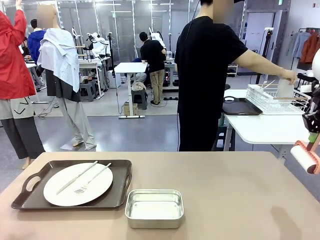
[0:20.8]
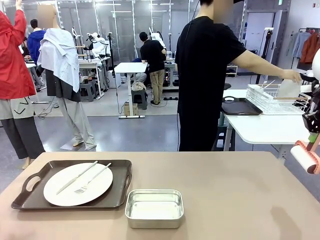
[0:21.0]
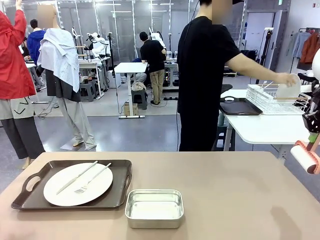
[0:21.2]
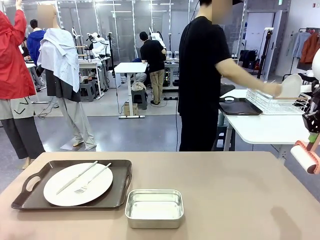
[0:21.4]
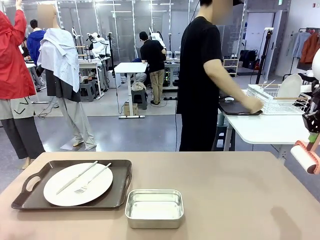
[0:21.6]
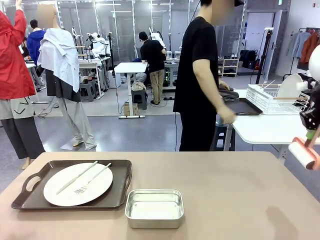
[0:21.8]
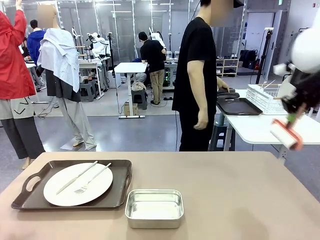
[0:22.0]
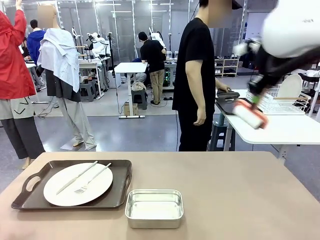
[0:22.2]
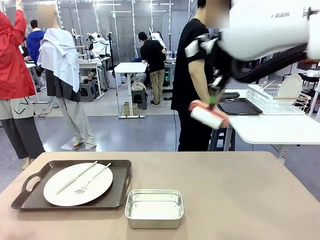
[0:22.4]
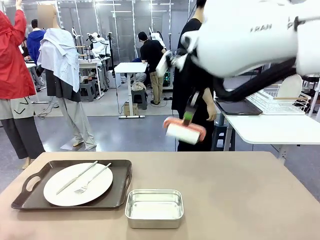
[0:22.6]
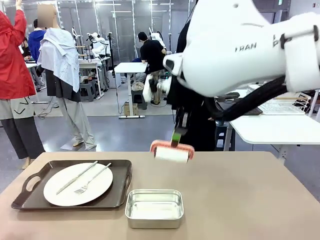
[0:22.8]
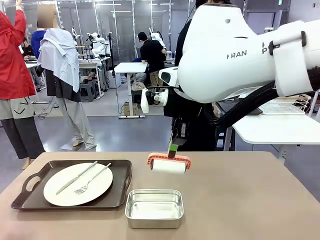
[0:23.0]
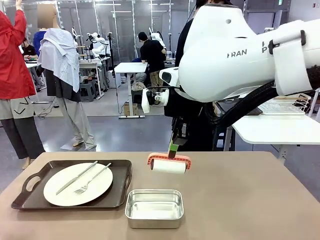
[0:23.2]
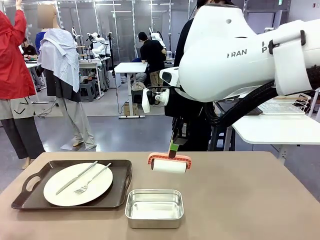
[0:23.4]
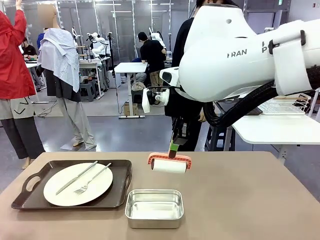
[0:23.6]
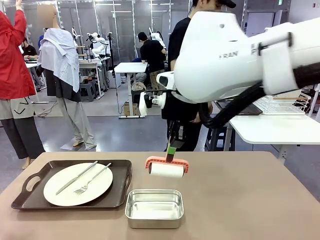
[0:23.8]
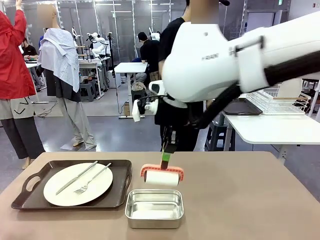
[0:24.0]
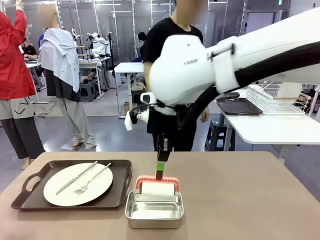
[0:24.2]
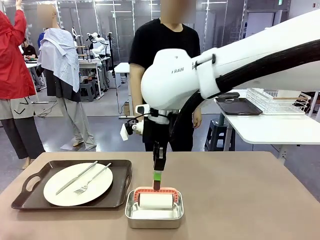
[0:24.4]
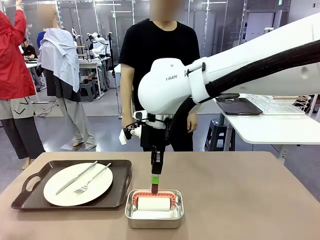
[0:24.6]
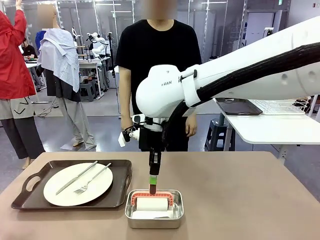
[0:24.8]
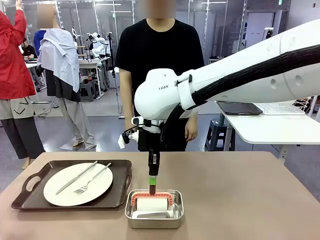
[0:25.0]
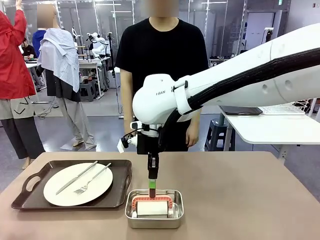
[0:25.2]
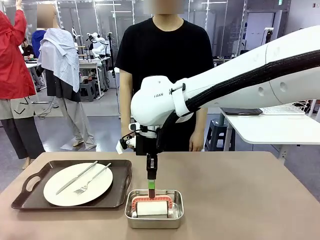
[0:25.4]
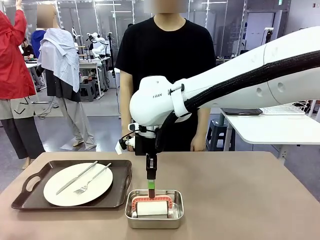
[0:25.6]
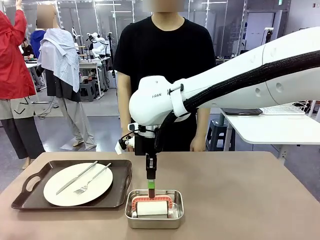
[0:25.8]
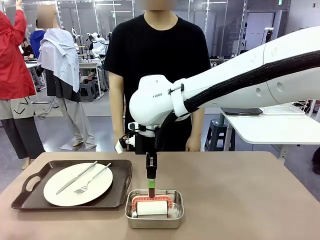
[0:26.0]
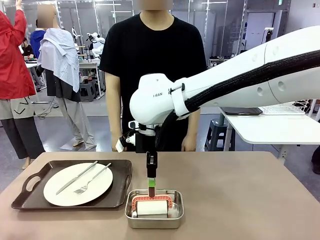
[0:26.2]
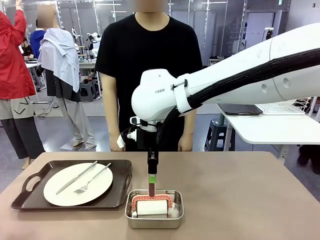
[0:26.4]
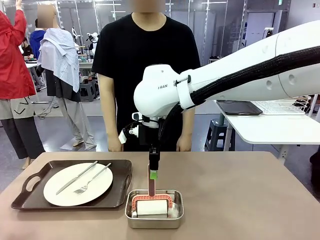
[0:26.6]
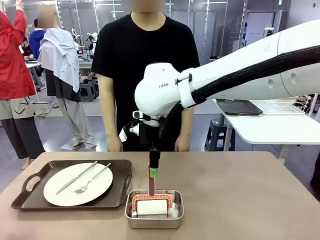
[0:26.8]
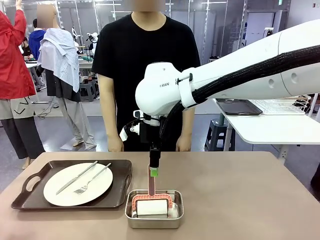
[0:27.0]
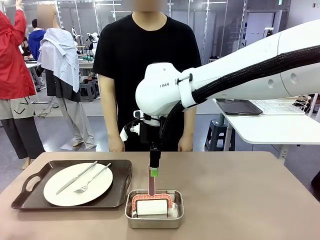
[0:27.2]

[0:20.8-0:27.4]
Robot: Place the Lint Roller back on top of the Airtight Container.

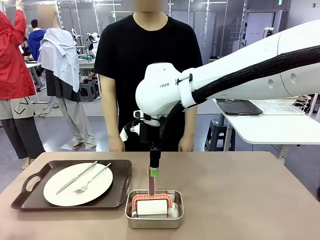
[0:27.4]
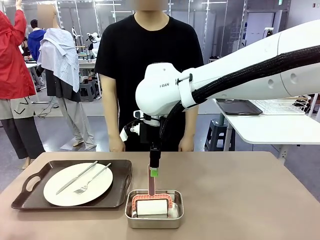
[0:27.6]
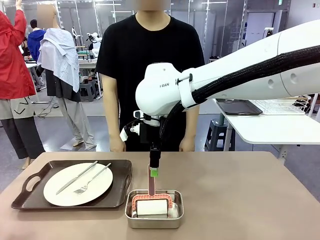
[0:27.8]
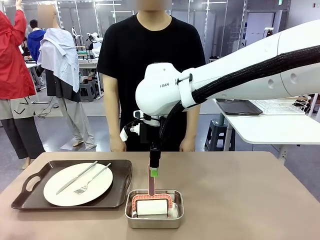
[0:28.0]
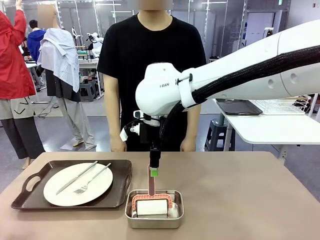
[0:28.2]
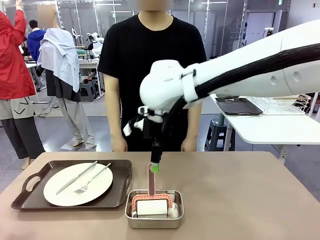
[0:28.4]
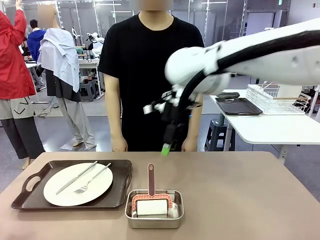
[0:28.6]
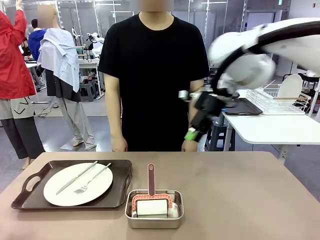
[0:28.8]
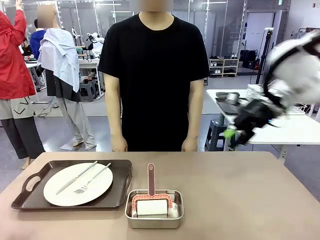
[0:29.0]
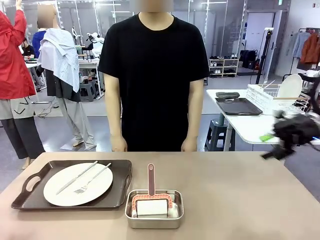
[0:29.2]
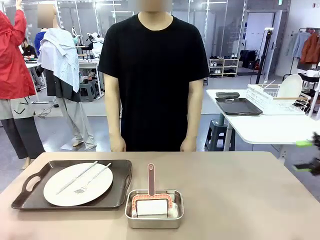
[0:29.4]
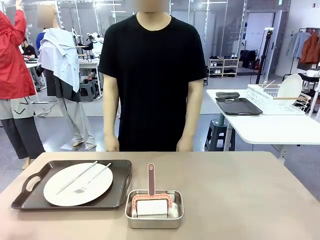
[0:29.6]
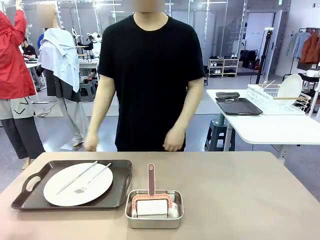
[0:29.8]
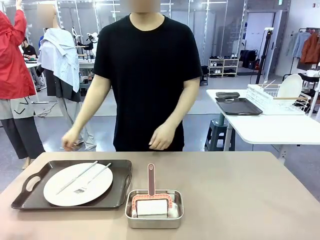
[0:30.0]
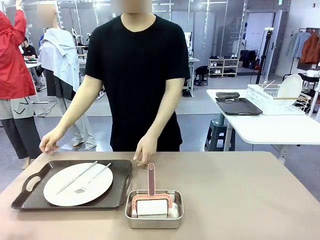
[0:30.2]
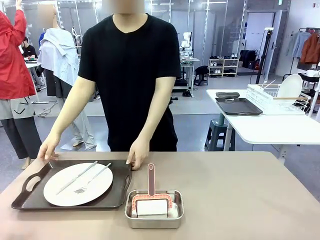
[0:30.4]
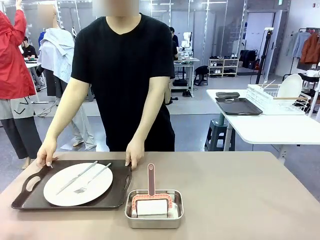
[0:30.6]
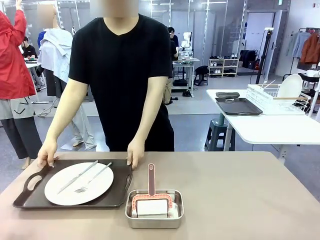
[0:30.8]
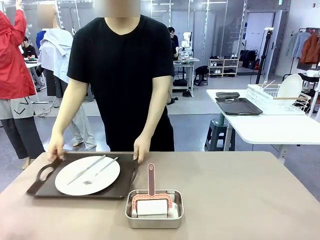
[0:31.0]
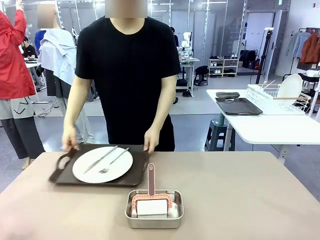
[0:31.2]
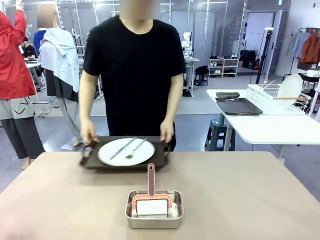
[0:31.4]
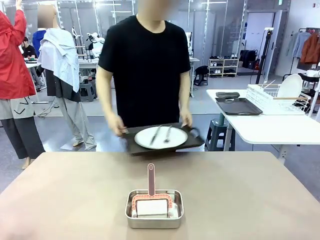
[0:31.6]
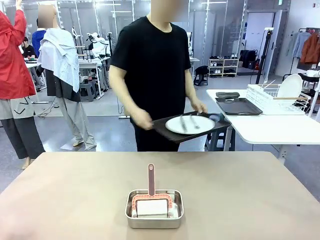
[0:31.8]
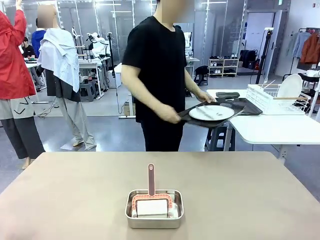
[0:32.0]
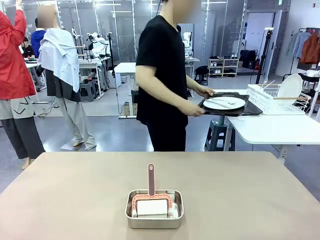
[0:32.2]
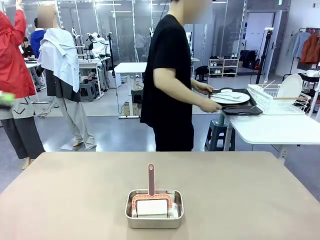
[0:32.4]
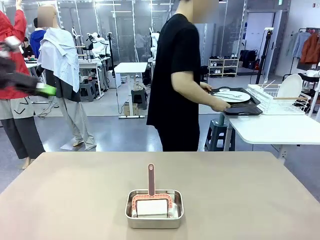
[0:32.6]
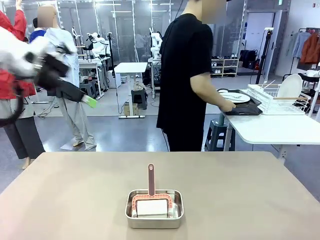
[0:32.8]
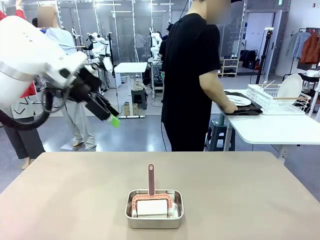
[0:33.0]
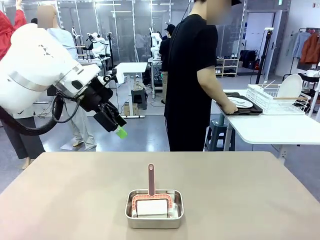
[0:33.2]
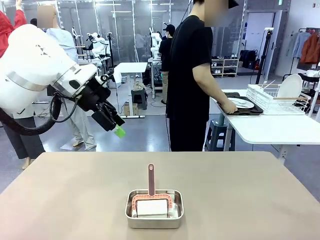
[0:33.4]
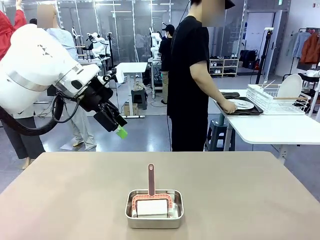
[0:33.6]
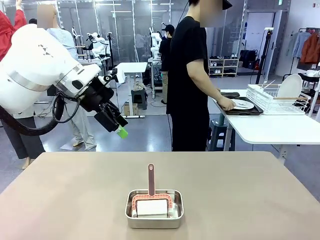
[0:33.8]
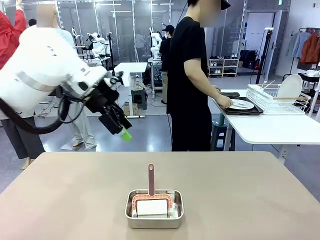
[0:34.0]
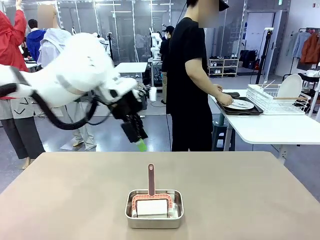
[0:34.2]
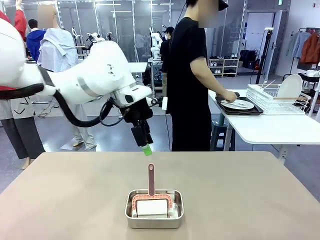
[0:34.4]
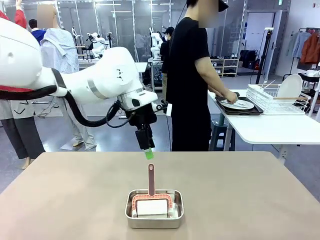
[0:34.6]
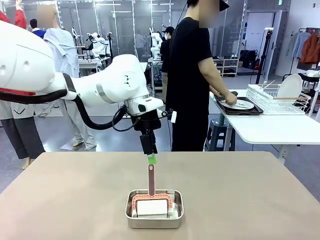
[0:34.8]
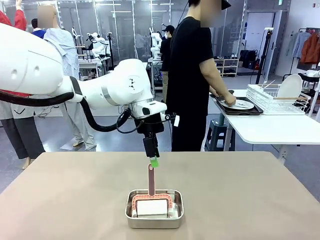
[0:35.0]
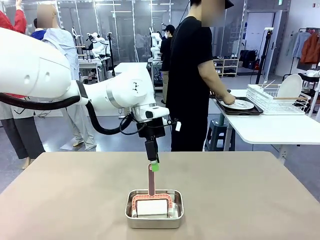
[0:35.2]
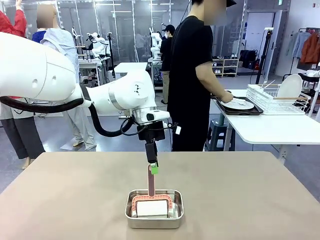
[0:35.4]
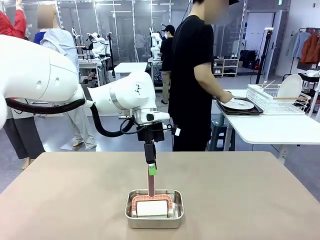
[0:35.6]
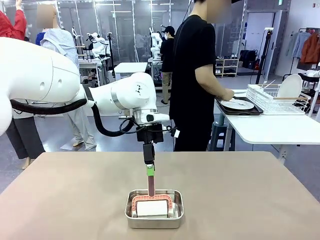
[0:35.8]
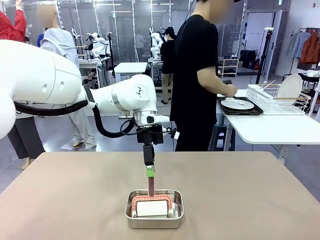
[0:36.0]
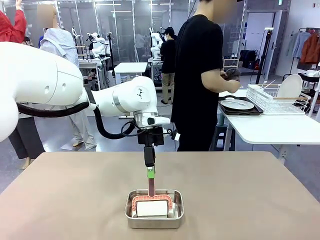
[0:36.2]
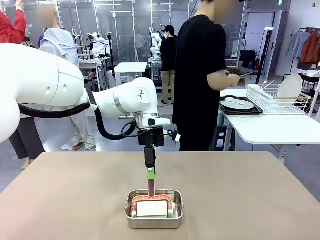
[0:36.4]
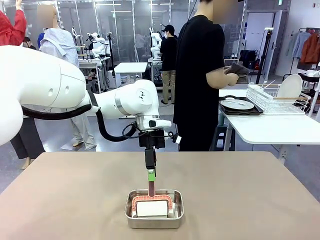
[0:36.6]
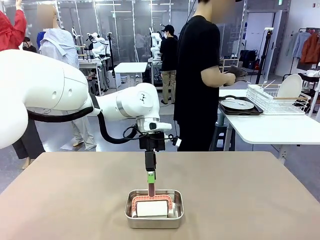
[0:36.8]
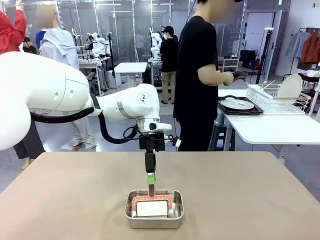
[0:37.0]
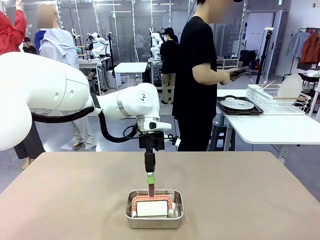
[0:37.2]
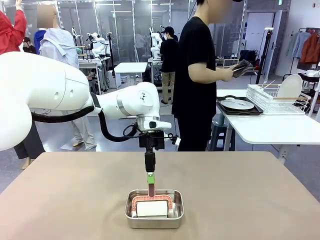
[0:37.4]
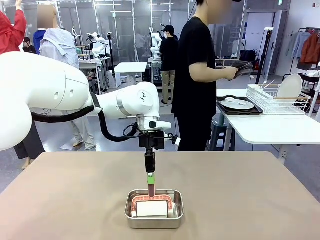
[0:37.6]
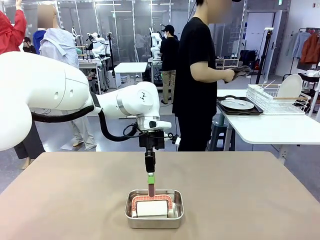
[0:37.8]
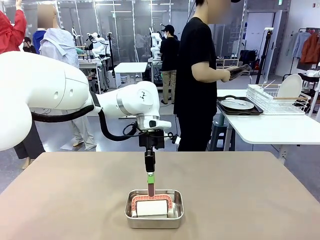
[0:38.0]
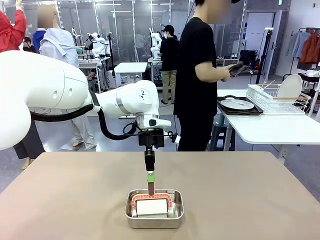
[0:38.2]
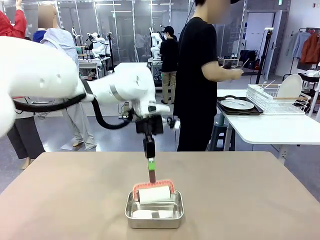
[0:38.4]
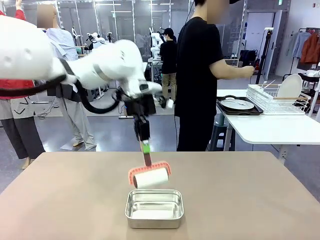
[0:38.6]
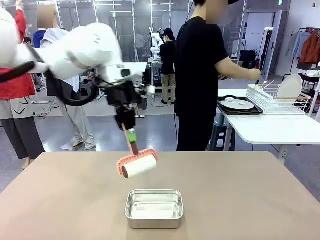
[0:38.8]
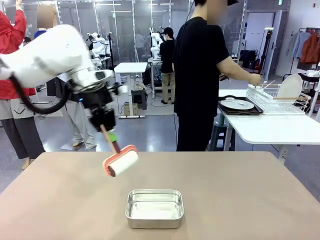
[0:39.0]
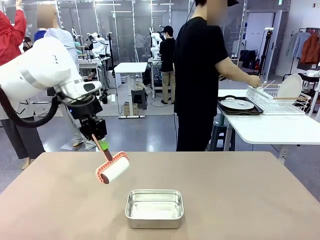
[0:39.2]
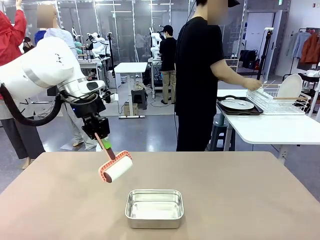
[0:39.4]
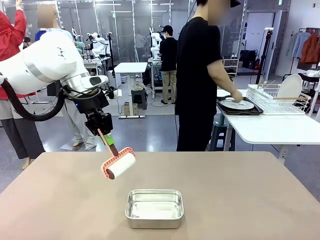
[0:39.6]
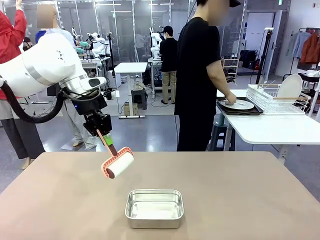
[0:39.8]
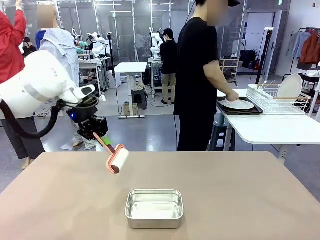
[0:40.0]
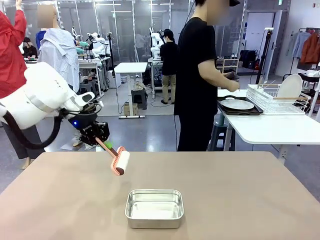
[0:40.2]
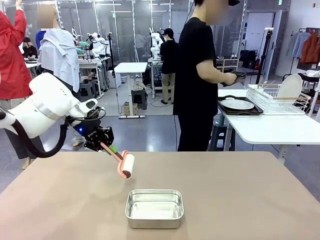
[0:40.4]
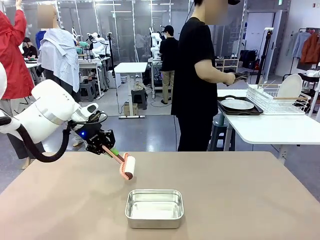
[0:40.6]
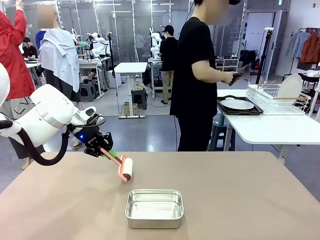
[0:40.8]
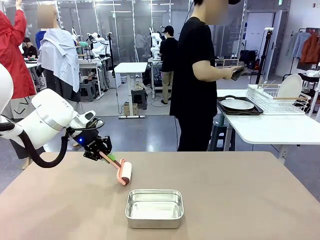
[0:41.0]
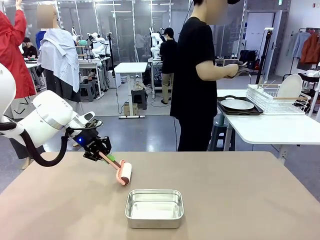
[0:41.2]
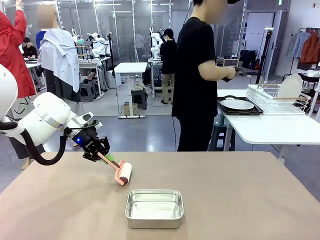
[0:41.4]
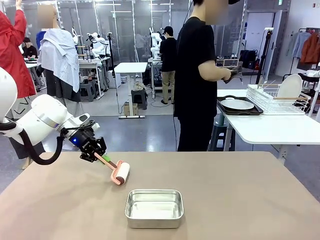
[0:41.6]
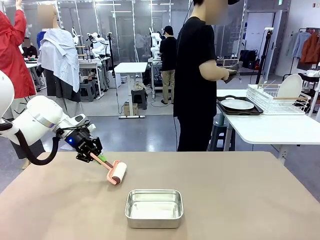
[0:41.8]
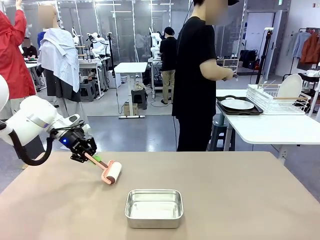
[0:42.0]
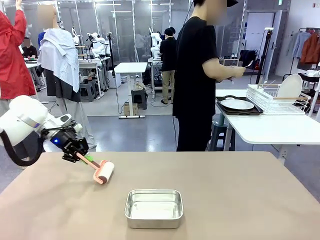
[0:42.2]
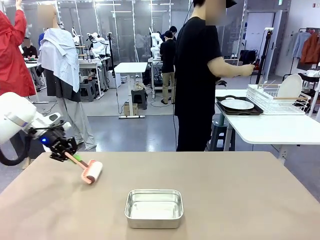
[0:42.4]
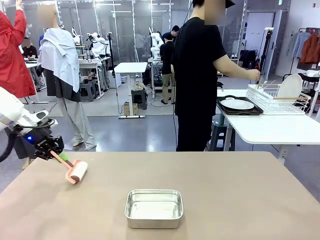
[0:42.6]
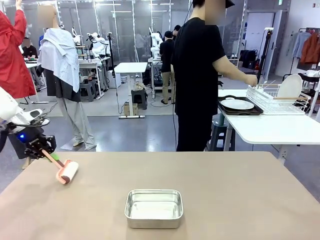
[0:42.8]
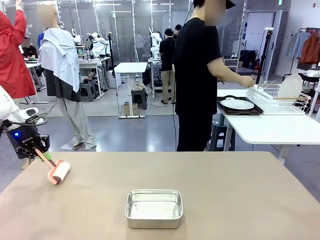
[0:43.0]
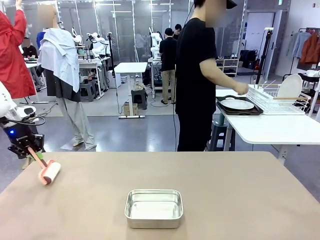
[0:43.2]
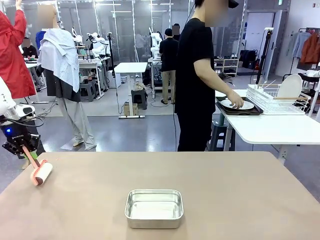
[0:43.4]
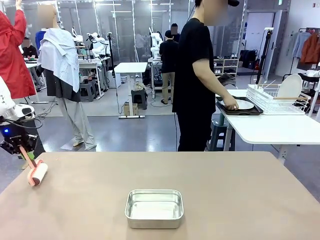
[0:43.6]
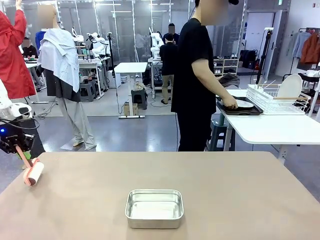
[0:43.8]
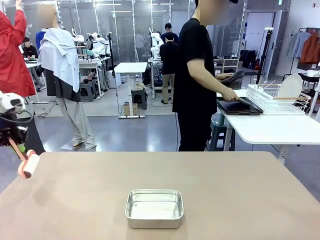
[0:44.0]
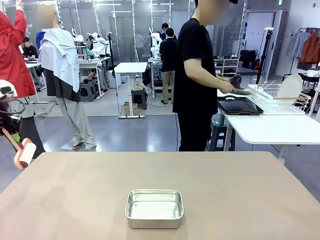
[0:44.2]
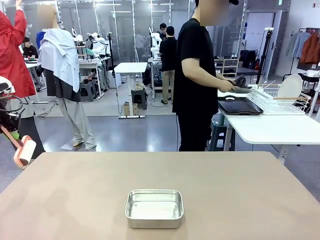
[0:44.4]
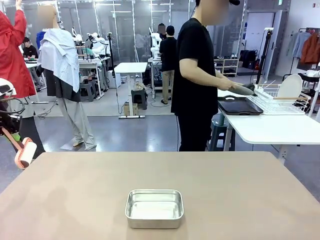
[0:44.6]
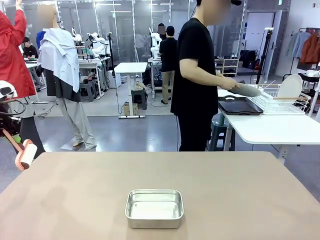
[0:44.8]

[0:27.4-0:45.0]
Robot: When the right (or left) Handle tray is removed, use the right hand (or left hand) to clean the right (or left) side of the table with the Lint Roller.
Person: Pick up the left (or right) Handle tray and place it on the Handle tray.
